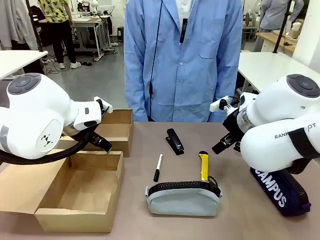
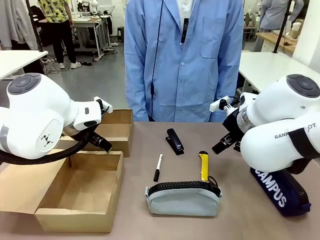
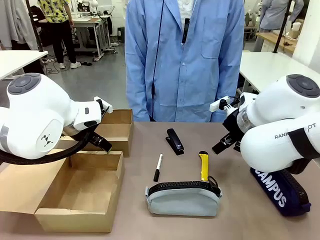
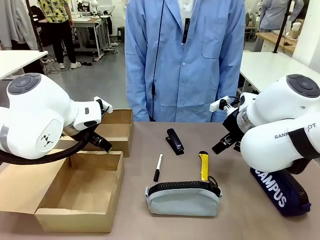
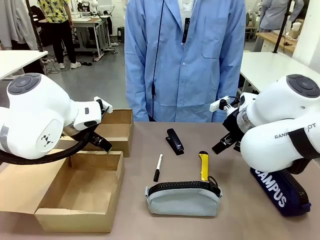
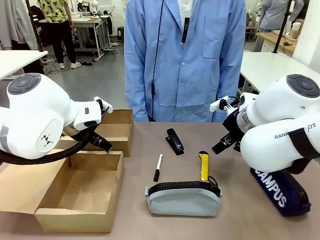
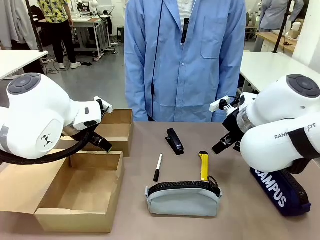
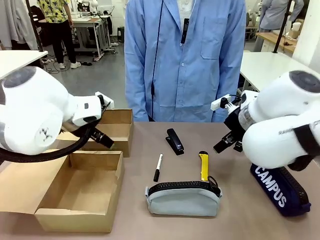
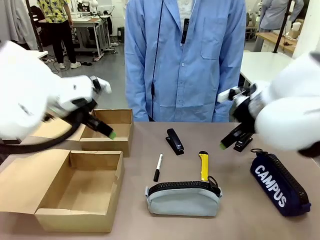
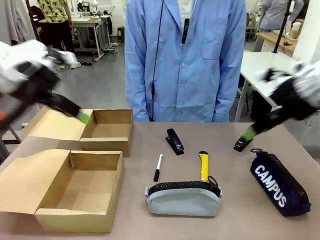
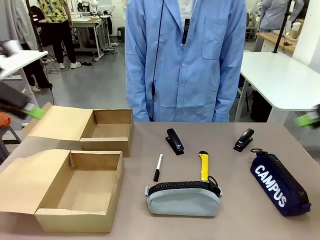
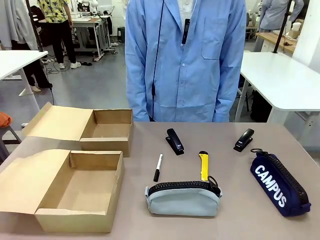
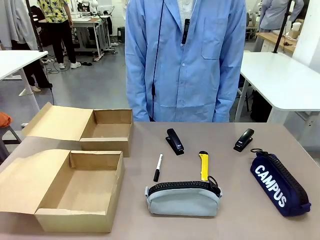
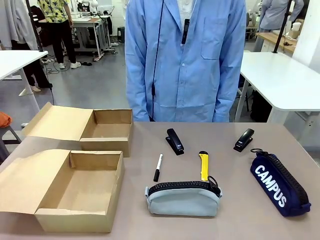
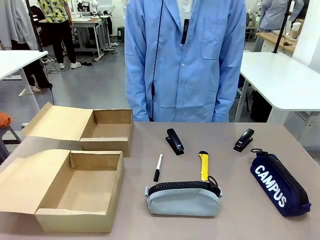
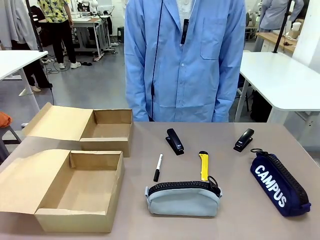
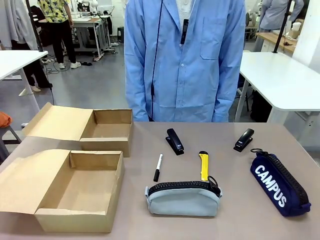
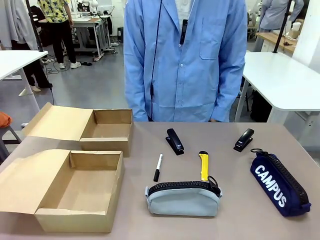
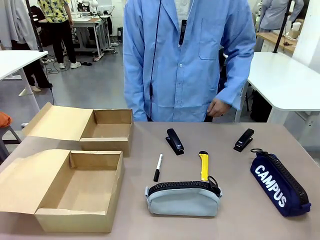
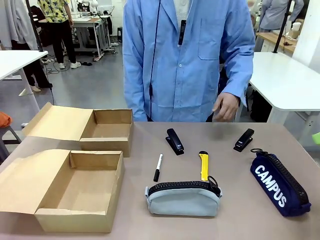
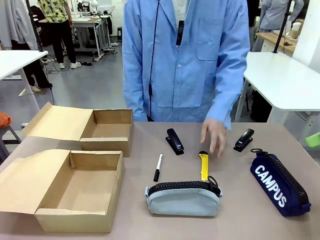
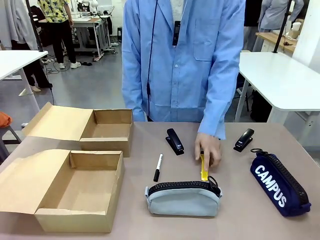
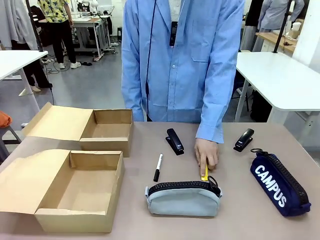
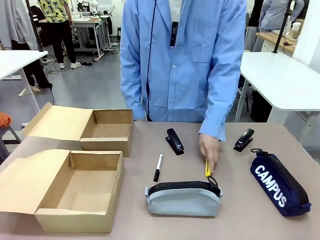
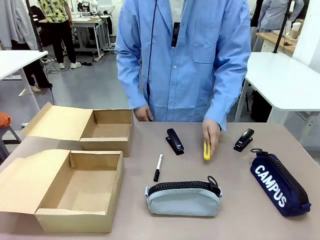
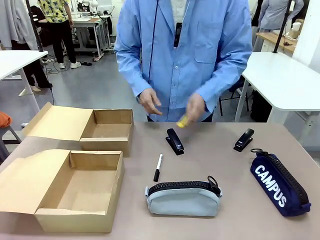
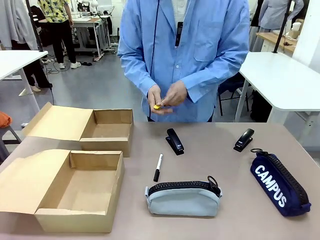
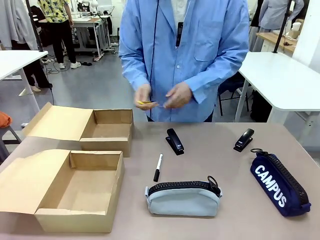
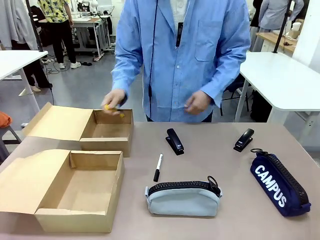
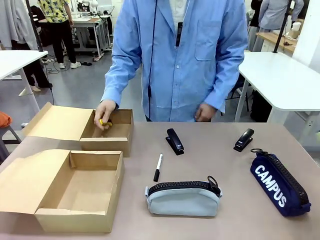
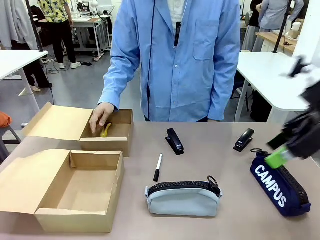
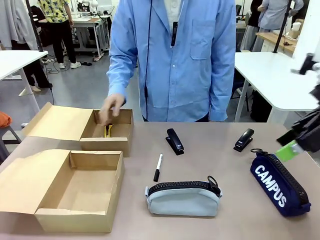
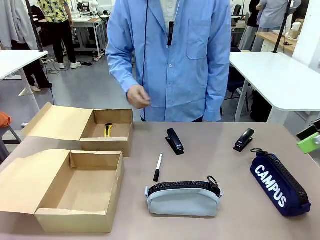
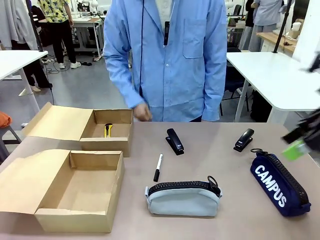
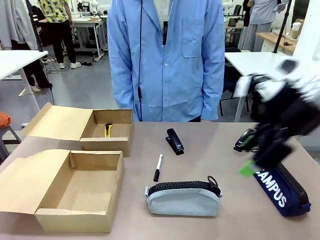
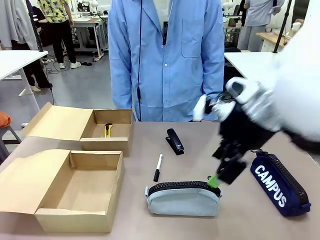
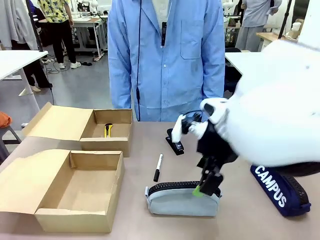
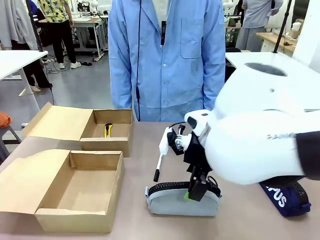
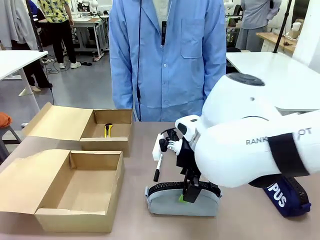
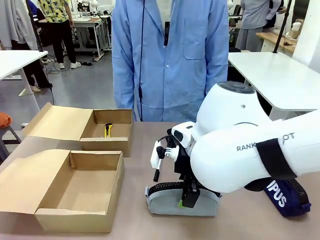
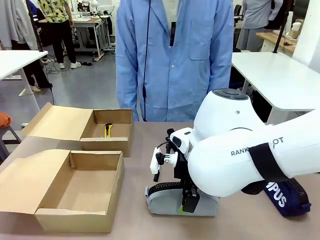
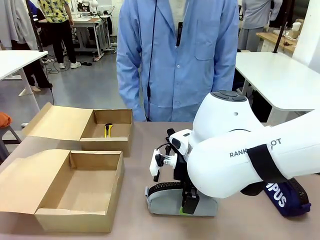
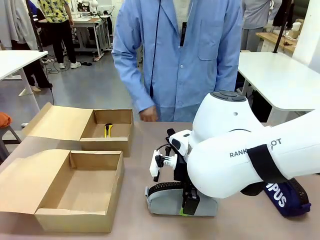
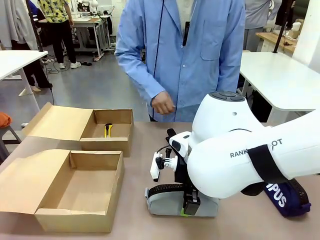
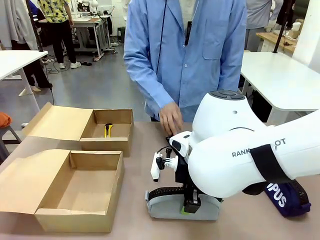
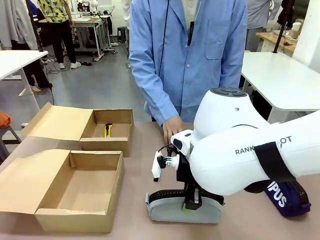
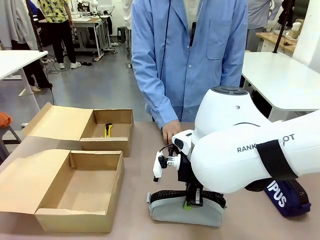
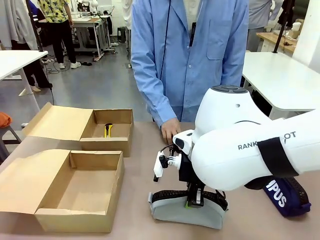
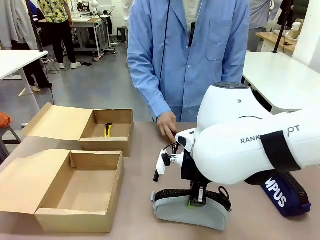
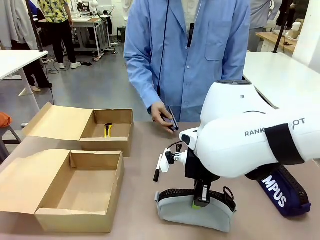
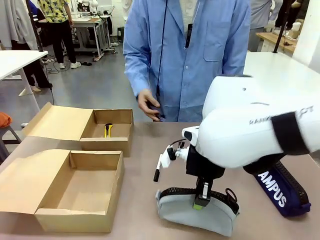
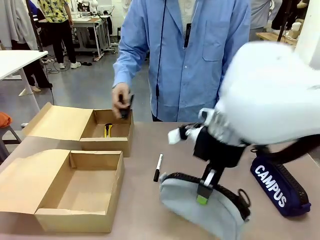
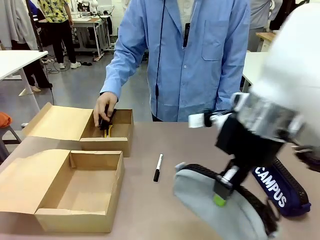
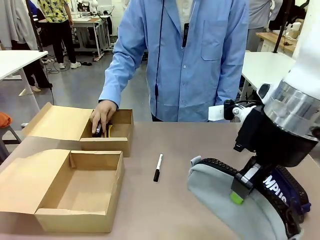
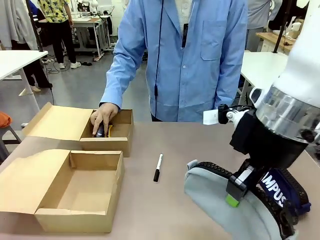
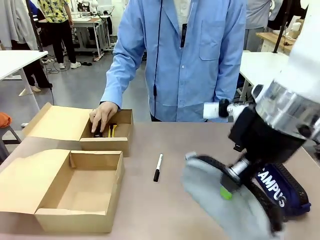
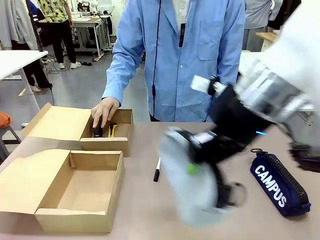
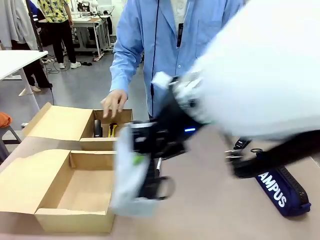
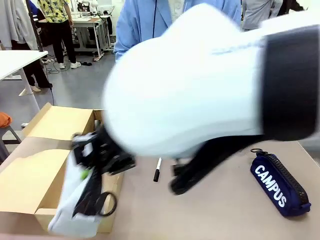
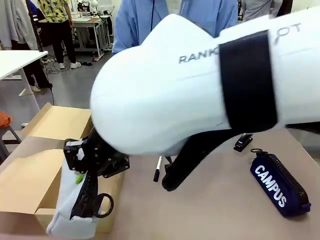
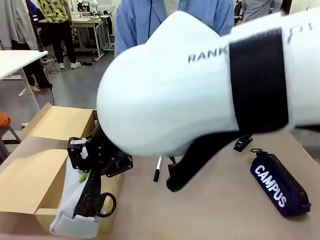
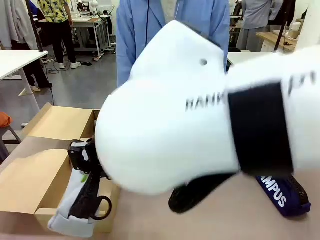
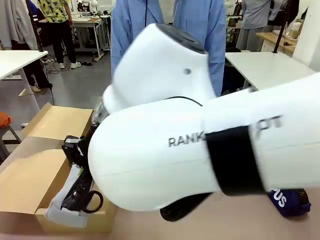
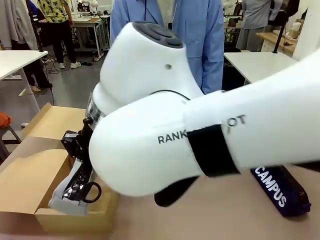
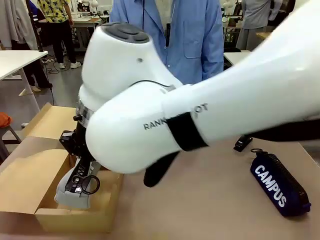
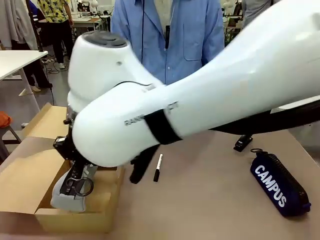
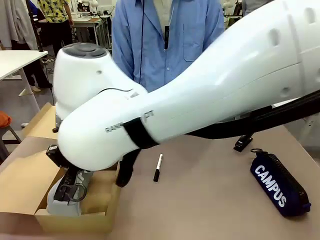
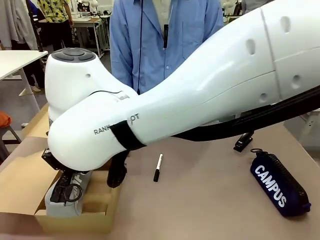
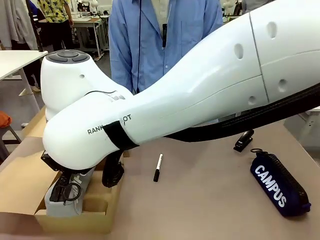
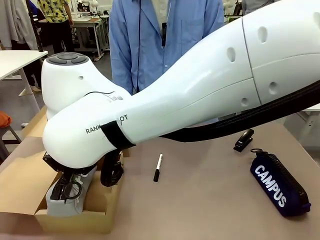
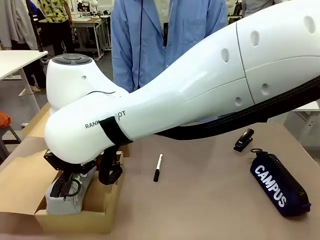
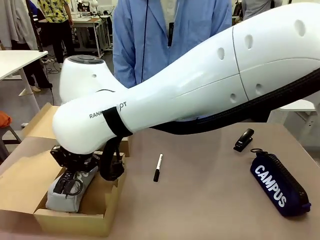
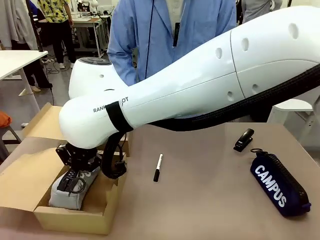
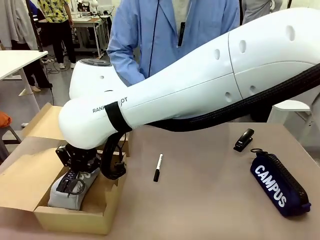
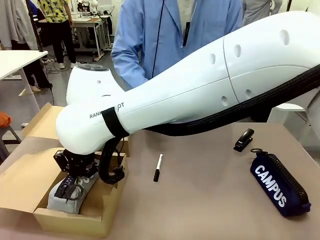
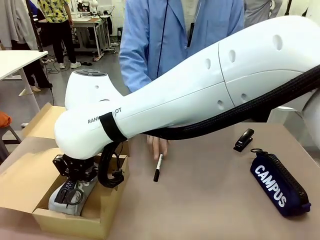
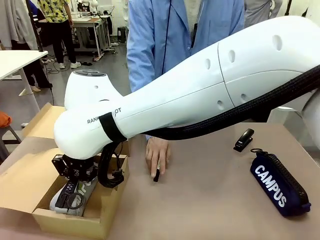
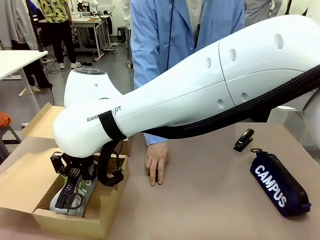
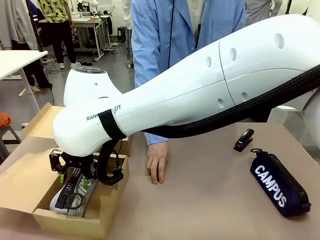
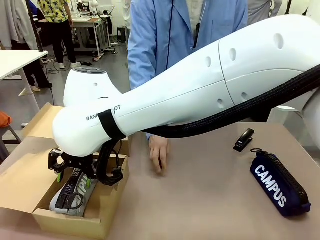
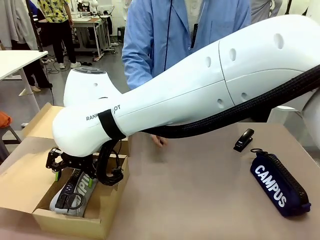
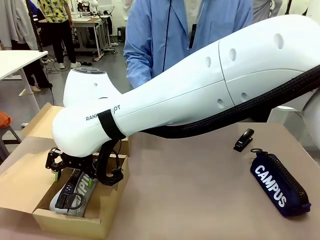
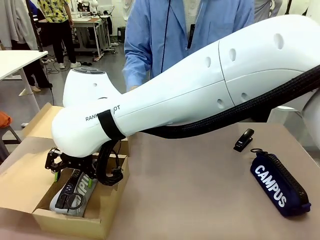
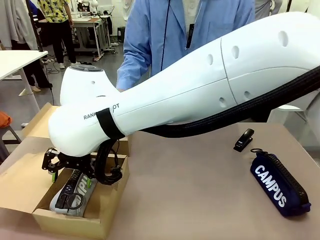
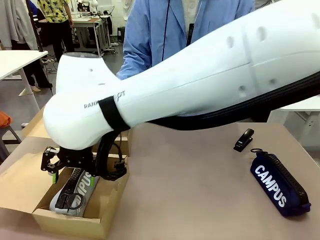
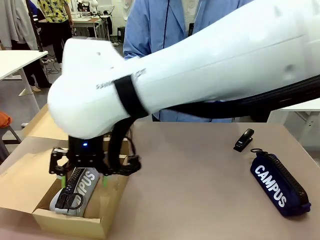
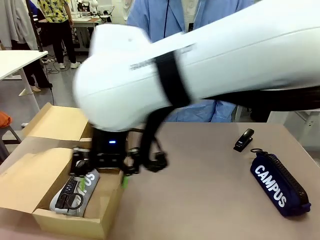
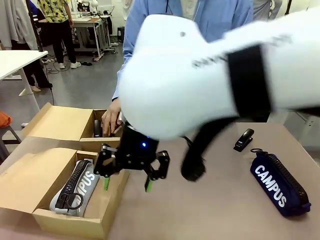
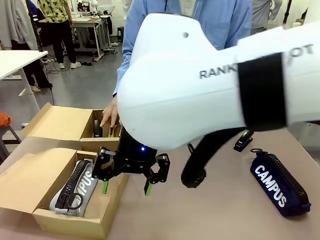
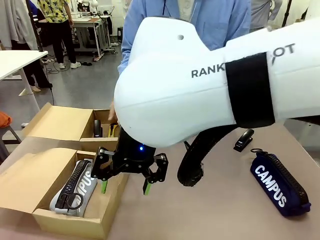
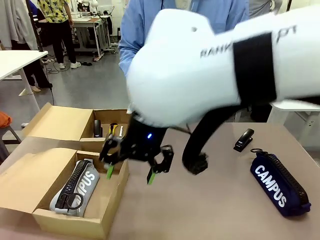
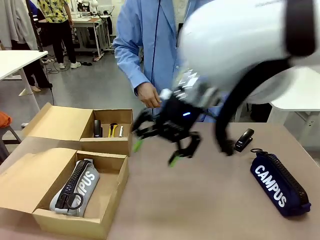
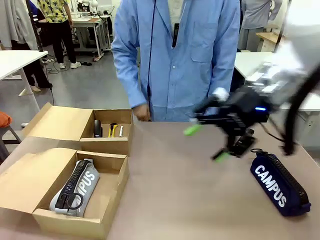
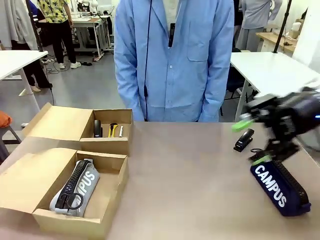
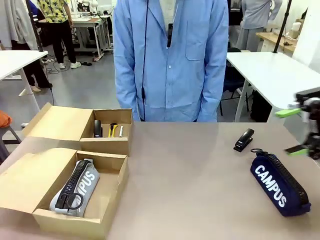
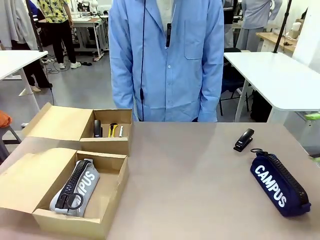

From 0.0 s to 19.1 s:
Task: Place items inside the box.
Robot: Pick up a Pencil pouch or Stapler and place it inside the Mailer Box closest to the robot.
Person: Pick up an object on the table and put it in the box.
